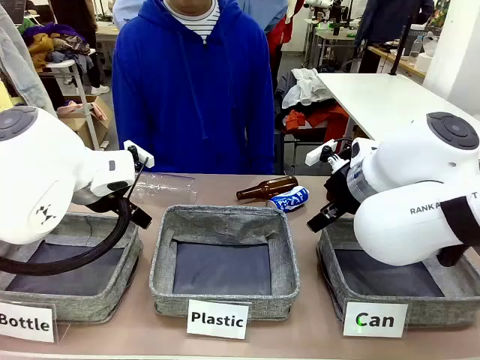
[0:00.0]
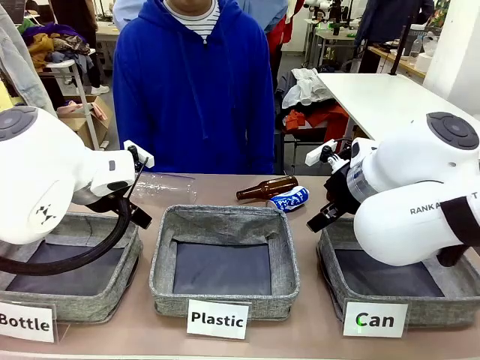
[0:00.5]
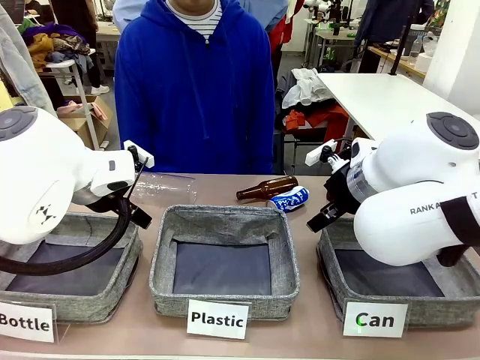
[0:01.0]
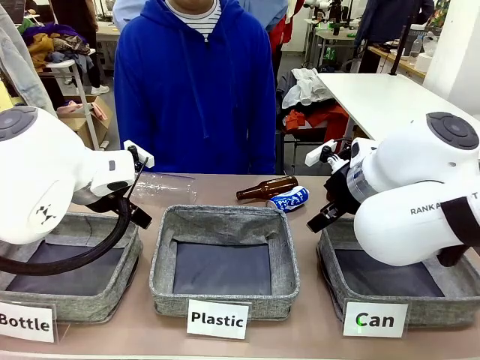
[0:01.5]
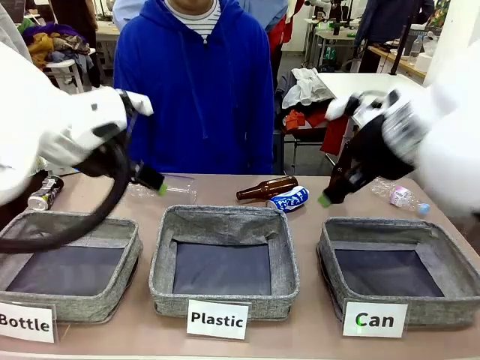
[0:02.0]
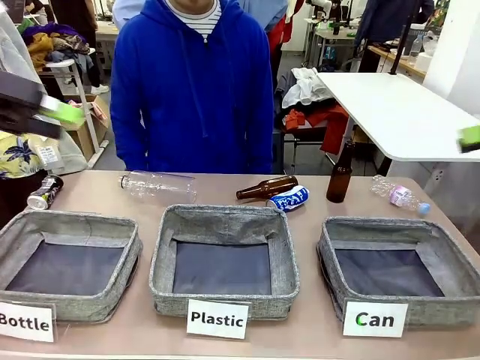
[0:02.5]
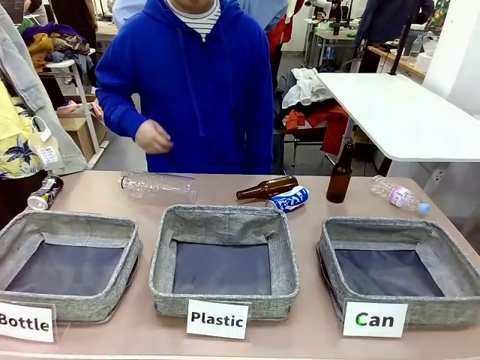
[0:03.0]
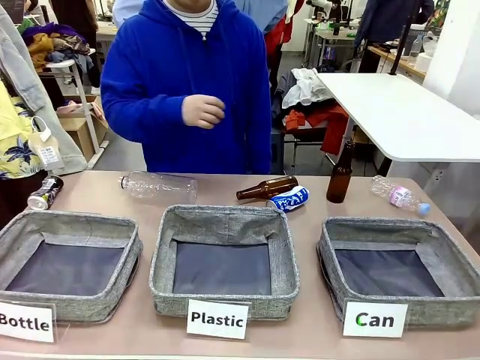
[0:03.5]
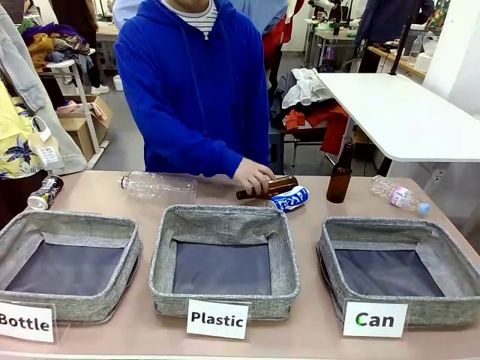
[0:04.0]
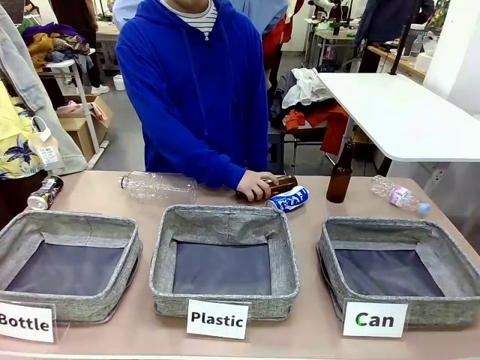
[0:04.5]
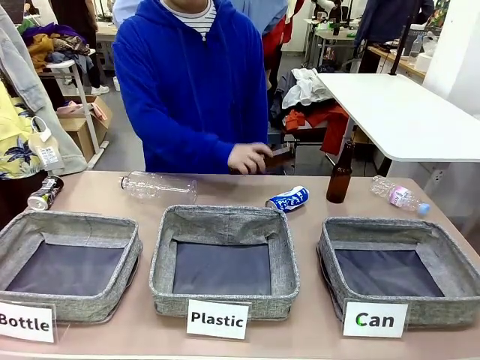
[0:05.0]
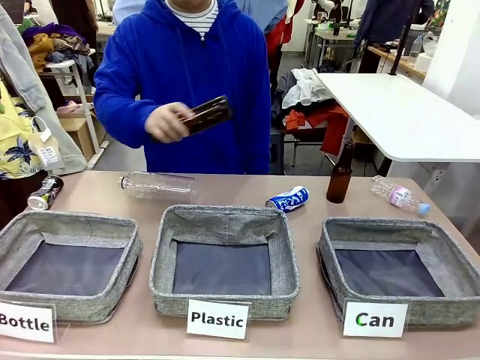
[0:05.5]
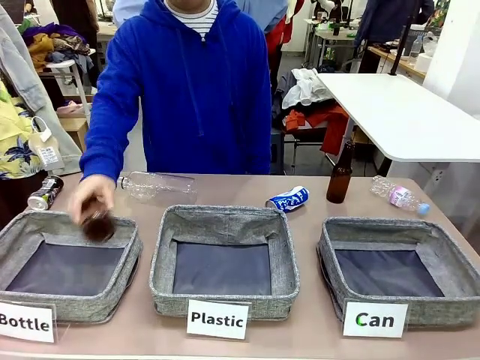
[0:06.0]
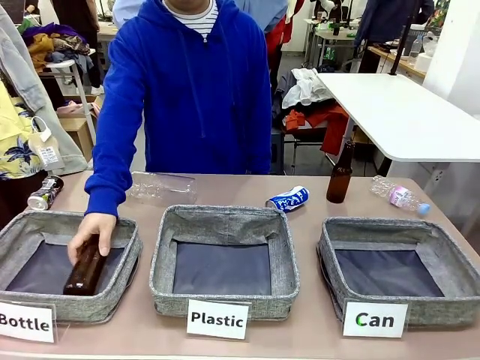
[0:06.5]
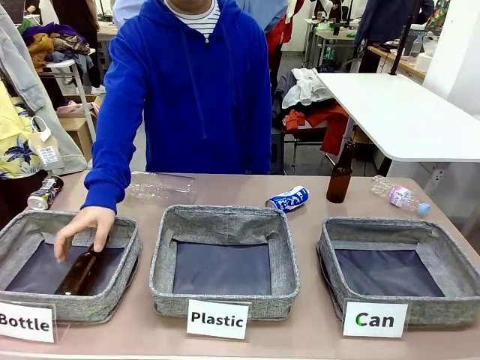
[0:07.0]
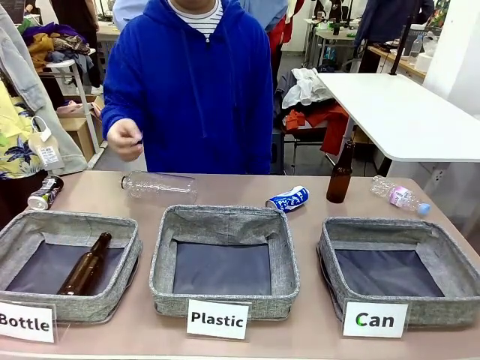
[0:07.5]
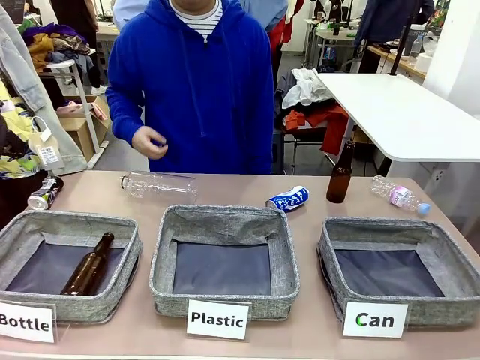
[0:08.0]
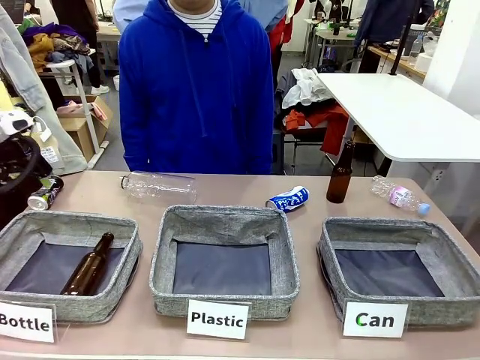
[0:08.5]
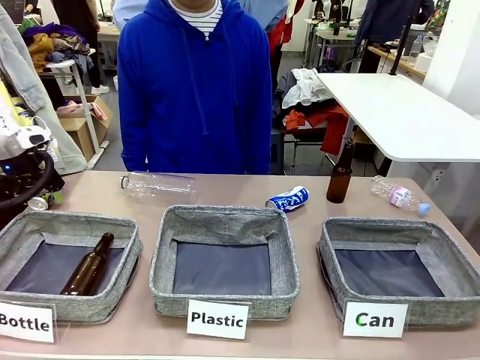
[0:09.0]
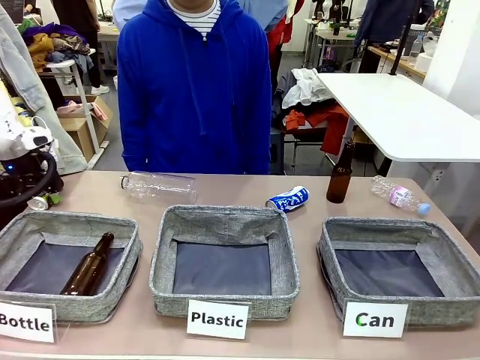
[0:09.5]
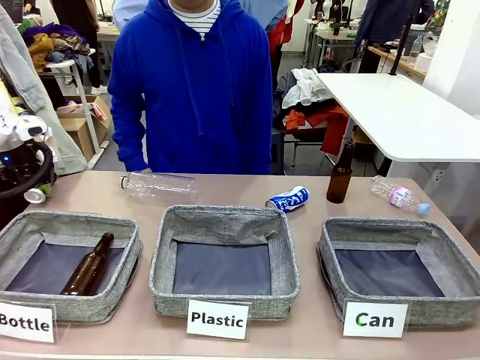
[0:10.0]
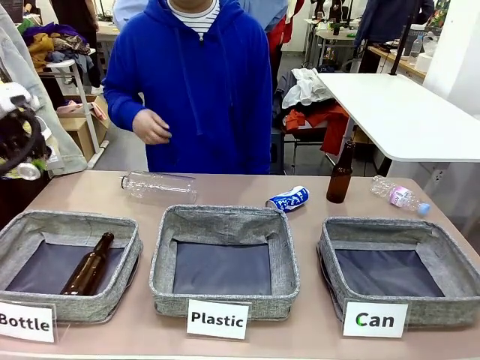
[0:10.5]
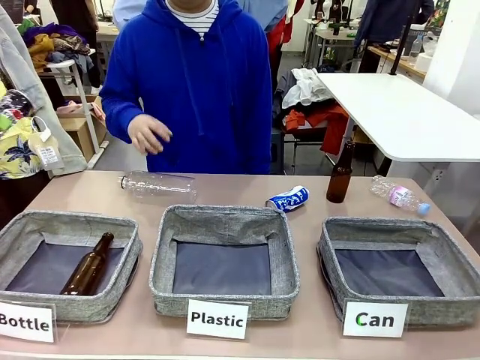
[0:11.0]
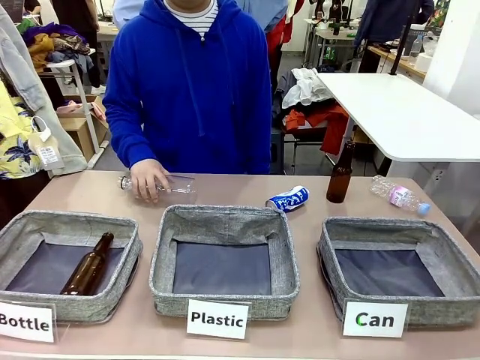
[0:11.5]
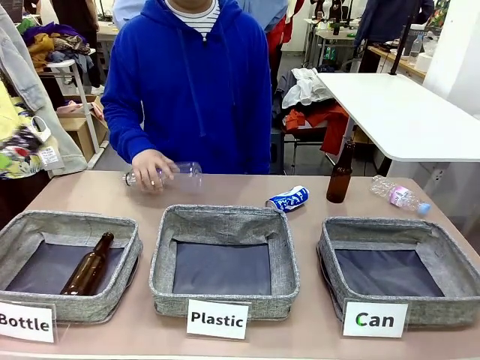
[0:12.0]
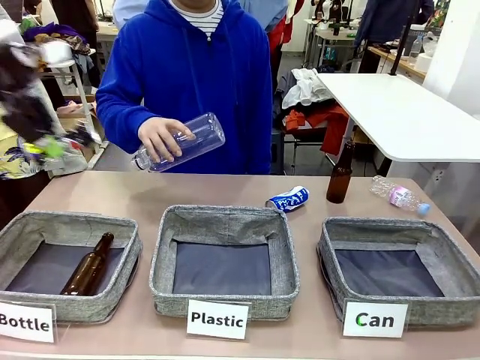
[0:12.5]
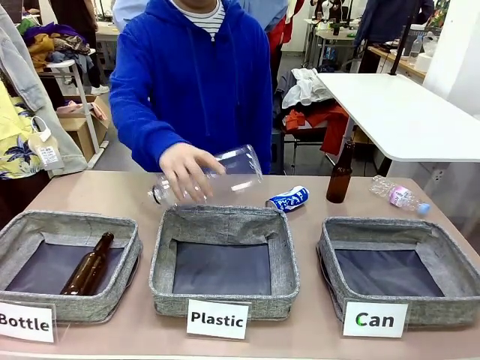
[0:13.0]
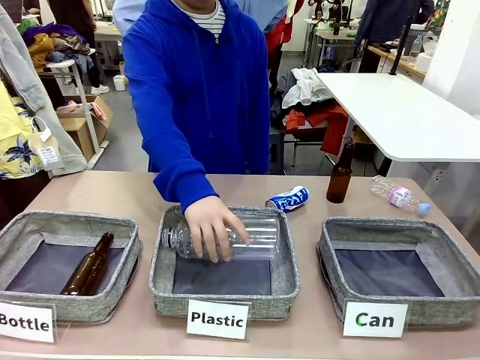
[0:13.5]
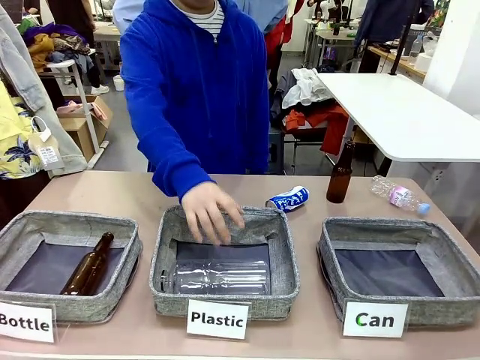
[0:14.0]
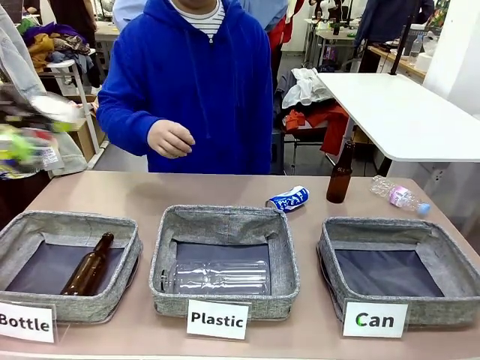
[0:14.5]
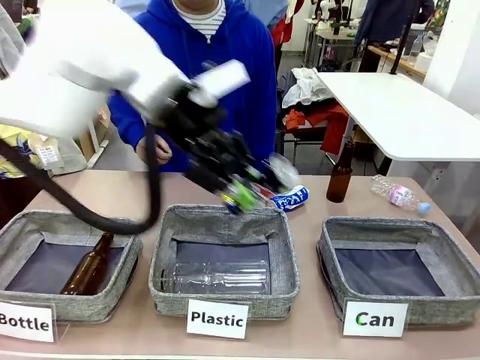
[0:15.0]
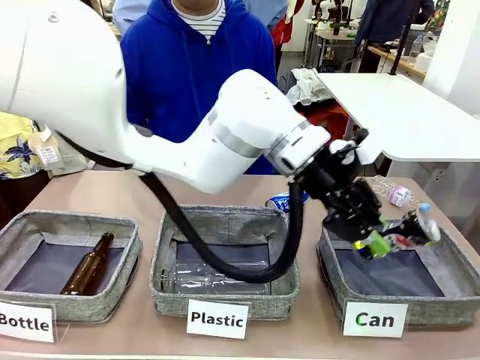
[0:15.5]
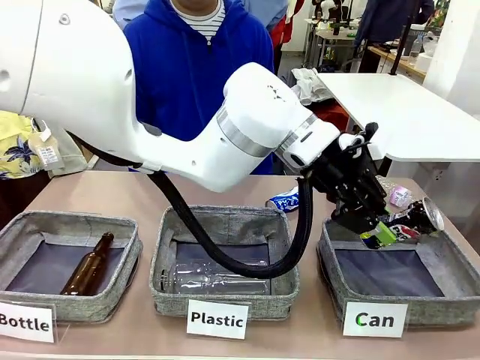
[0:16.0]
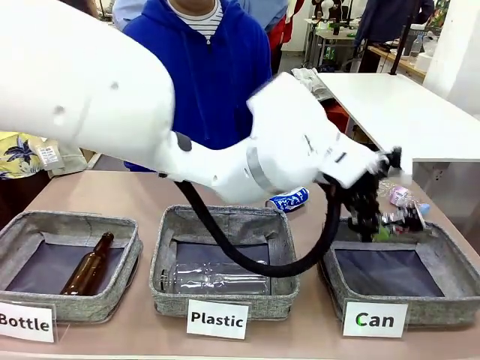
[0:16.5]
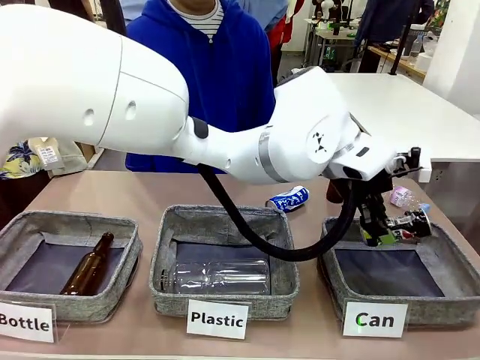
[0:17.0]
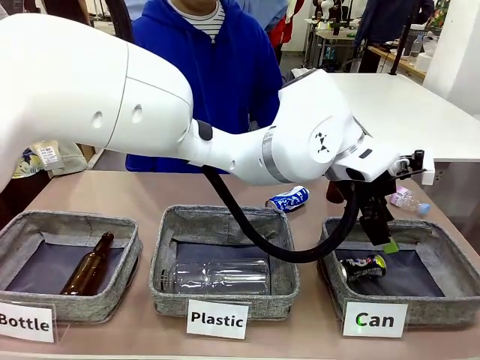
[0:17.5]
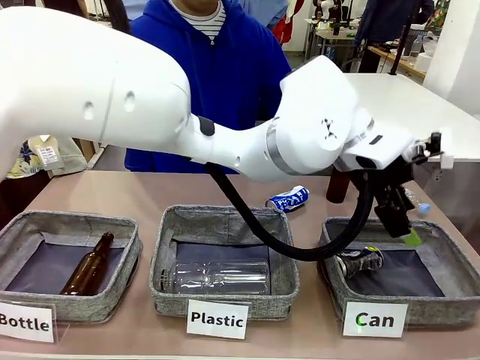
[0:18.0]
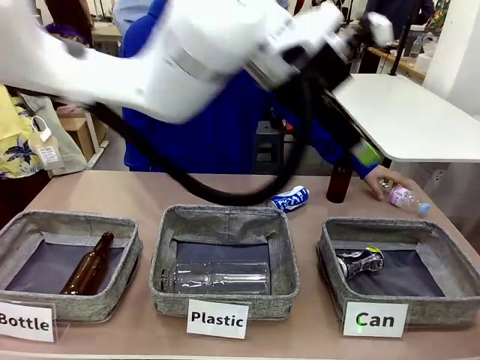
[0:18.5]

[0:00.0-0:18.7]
Task: Sort the can waste into the basket.
Robot: Pick up the can waste from the table and place it in the right Fabric basket.

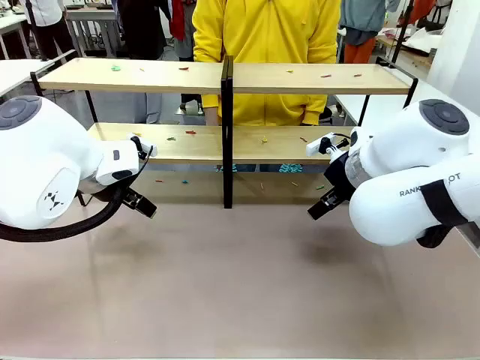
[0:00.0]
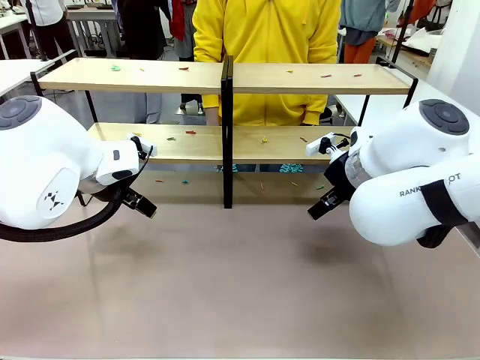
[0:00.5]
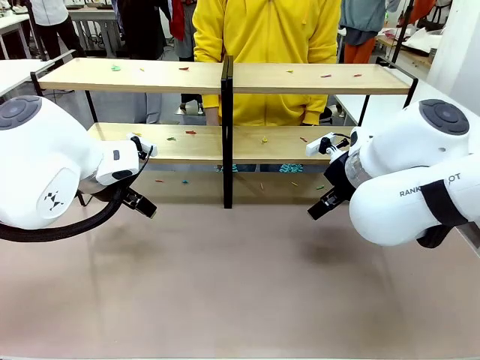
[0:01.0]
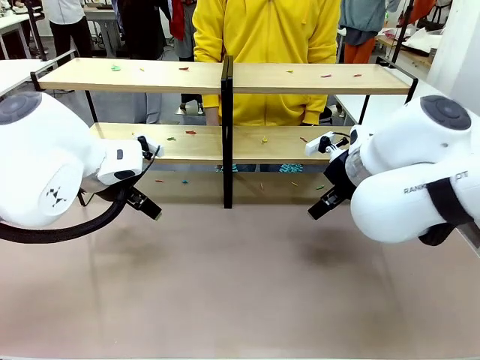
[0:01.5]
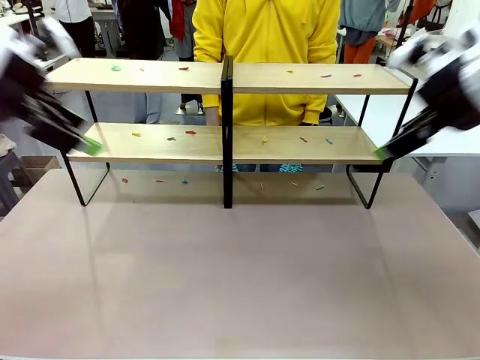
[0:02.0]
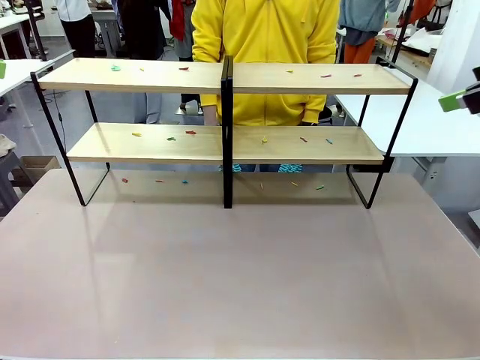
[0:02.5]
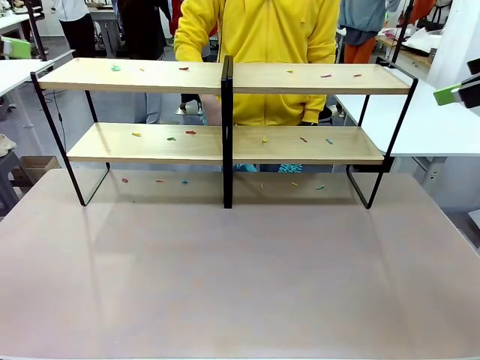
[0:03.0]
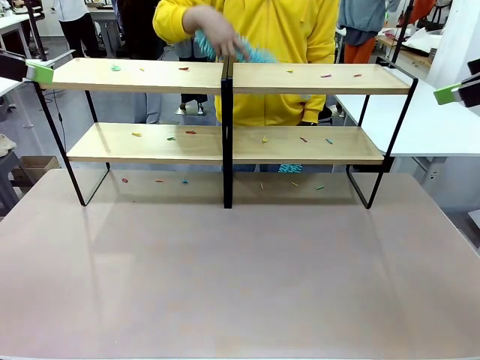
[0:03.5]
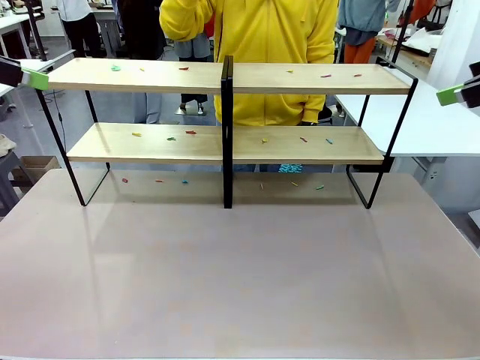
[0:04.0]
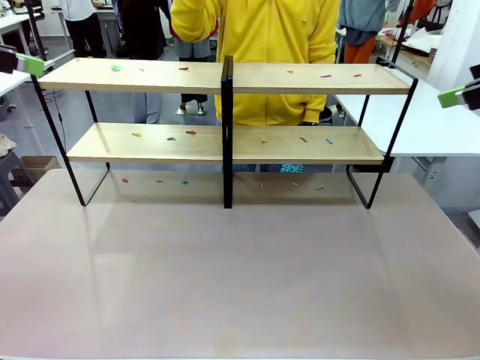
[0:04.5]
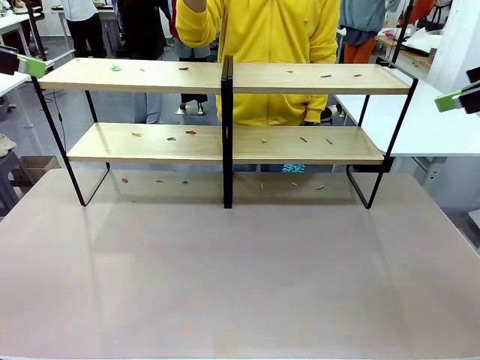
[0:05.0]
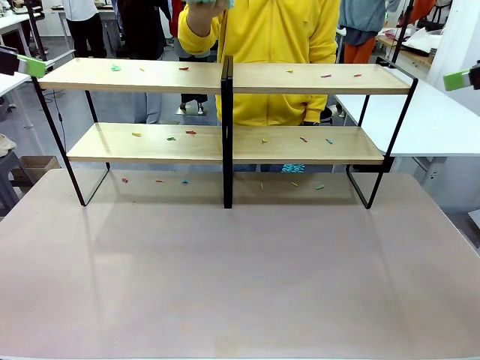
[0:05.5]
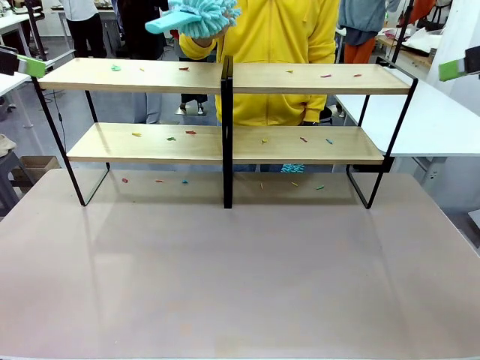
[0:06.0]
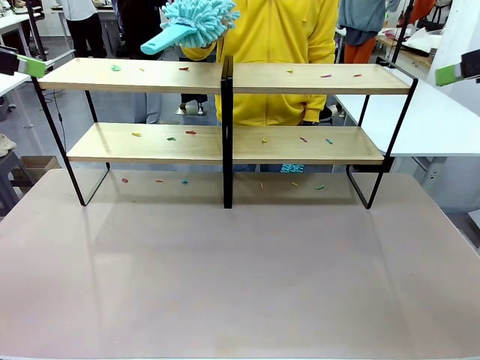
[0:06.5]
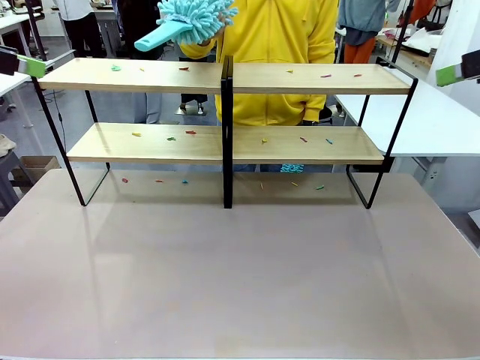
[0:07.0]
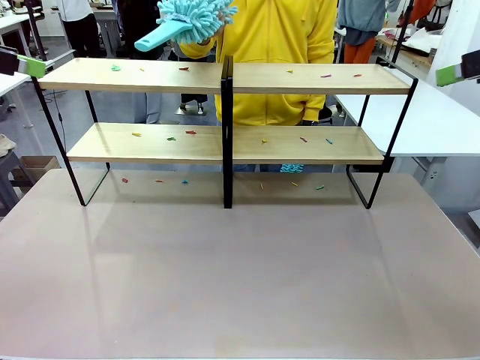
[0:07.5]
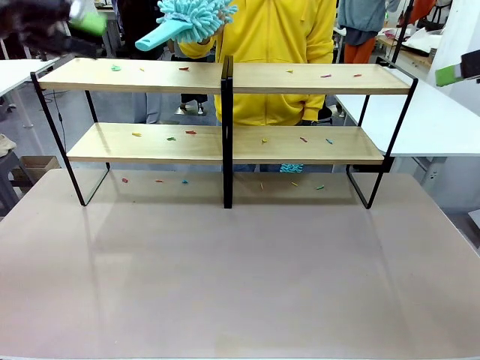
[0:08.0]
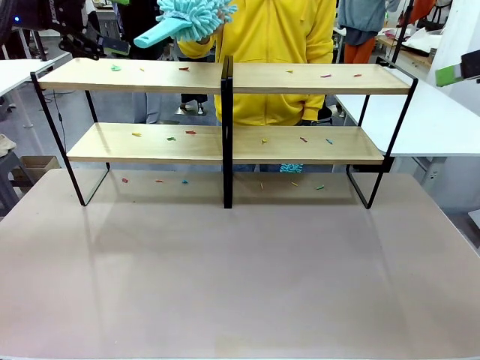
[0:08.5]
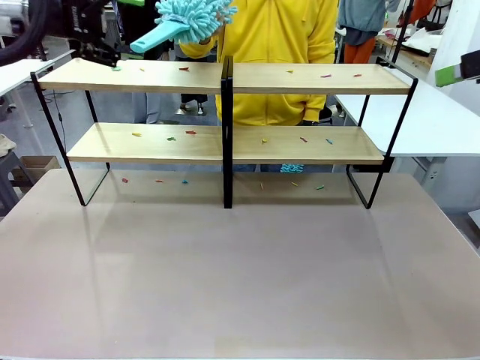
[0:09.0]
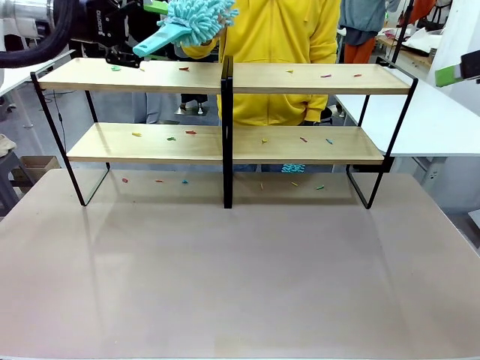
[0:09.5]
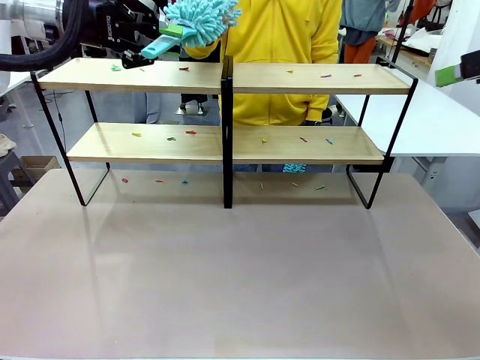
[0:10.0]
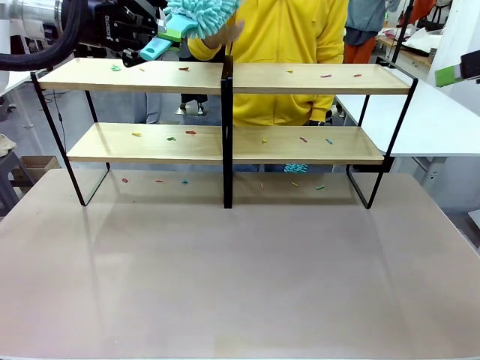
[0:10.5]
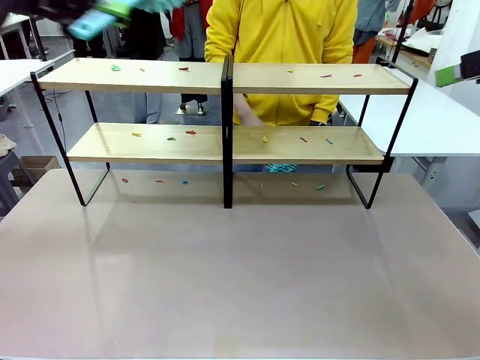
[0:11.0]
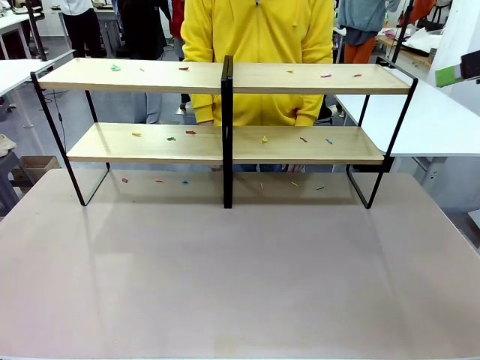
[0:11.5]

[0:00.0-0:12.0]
Task: Clean the shelves.
Robot: Pick up the Duster when the human hands it over.
Person: Hand the Duster to the robot with your right (or left) hand.
